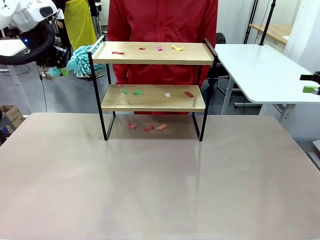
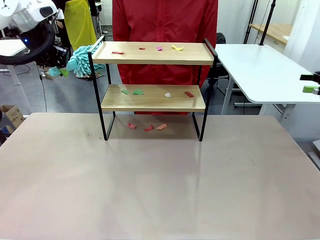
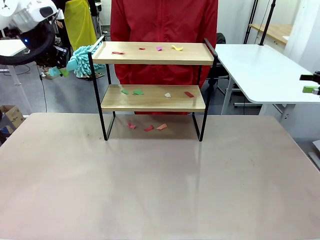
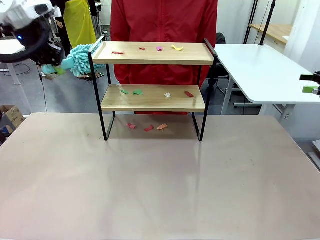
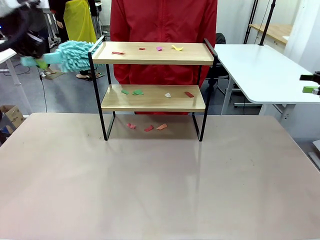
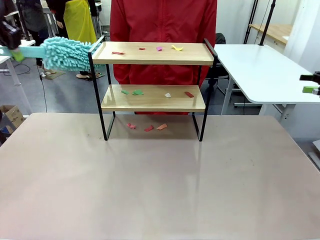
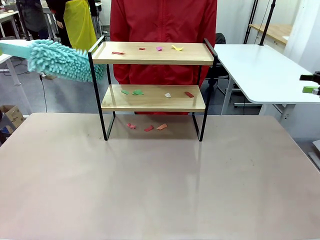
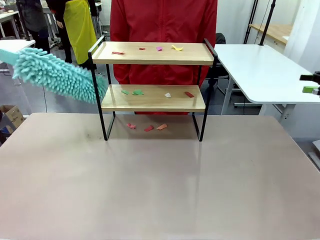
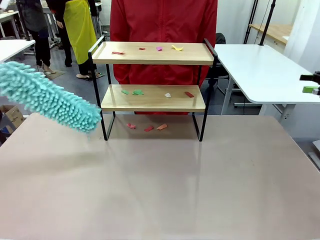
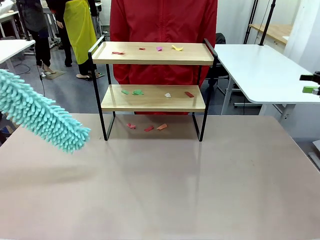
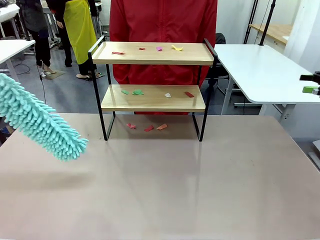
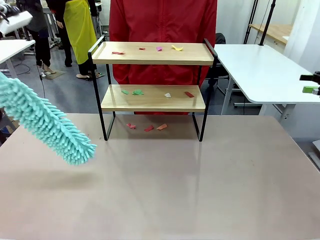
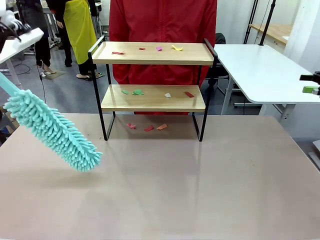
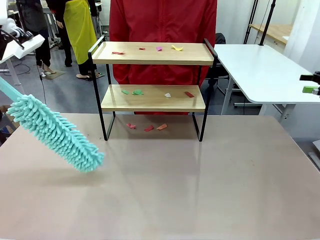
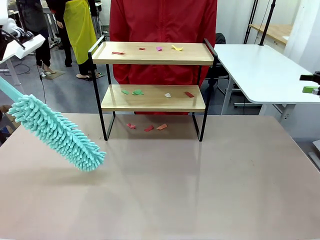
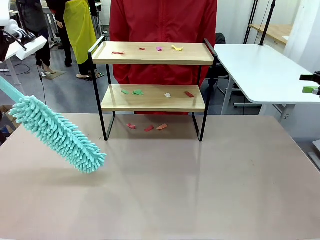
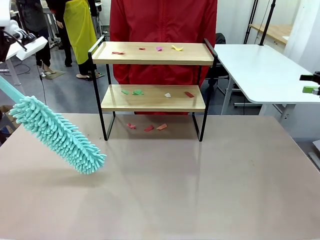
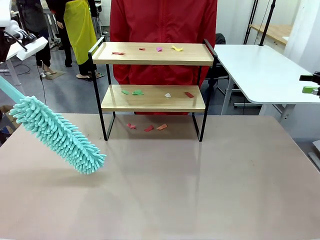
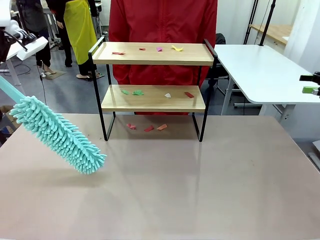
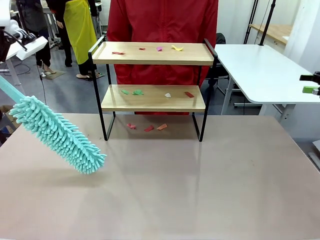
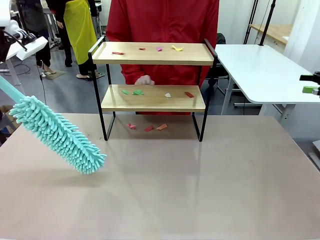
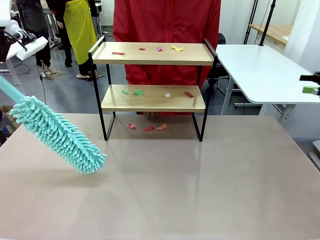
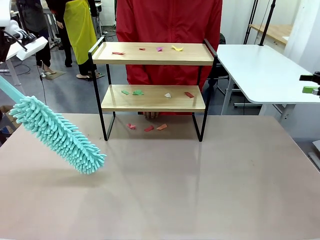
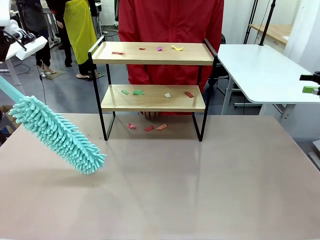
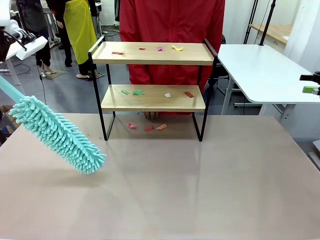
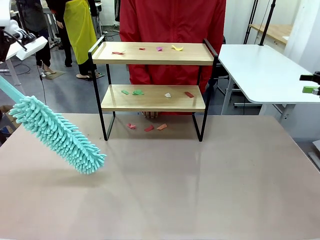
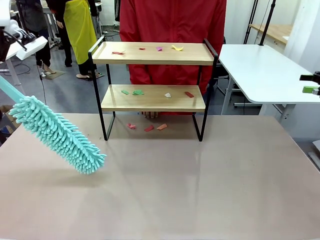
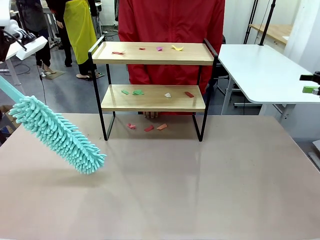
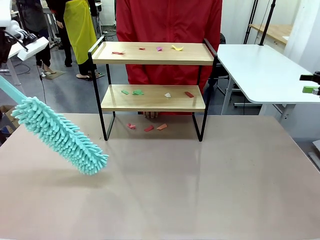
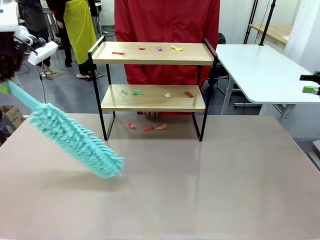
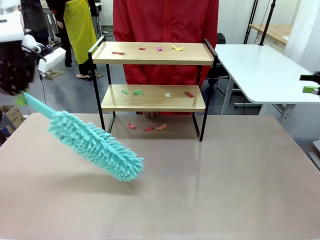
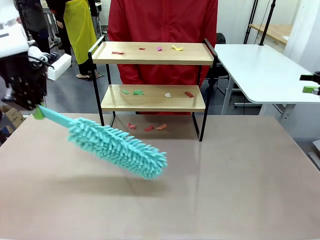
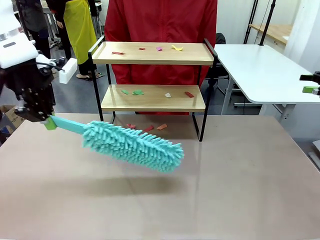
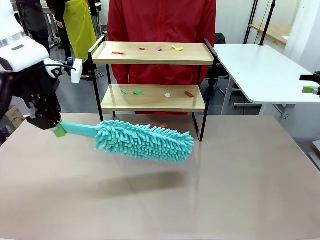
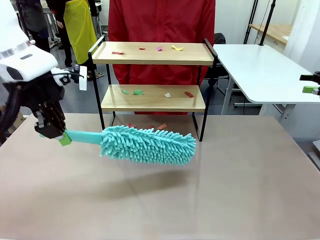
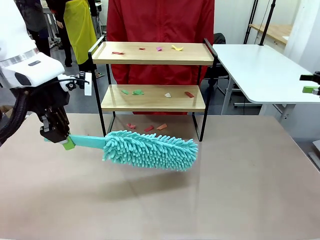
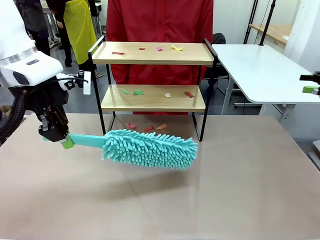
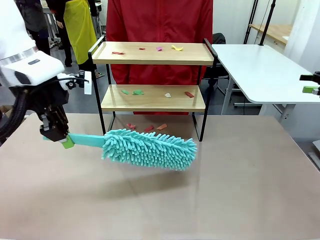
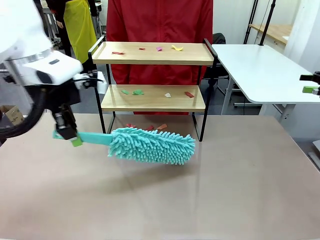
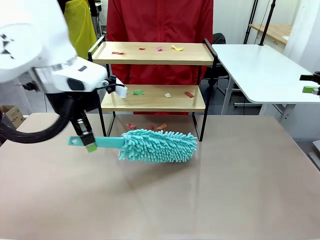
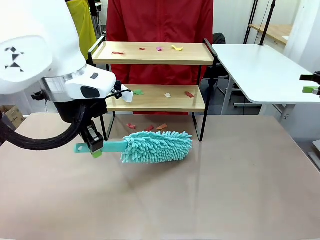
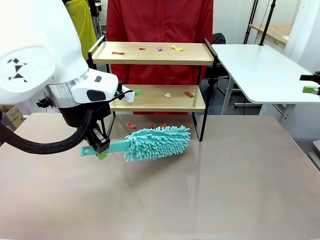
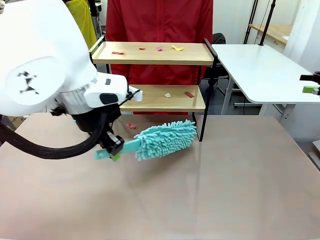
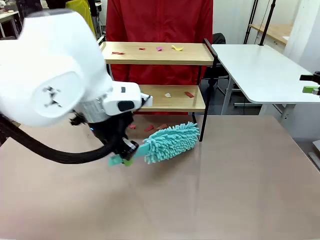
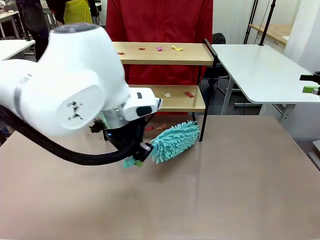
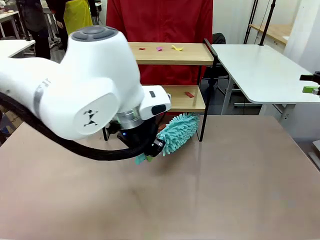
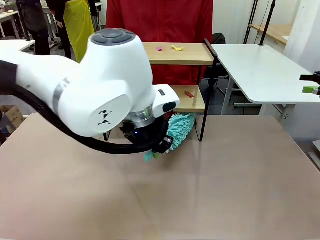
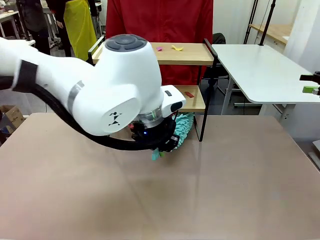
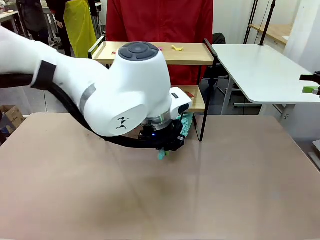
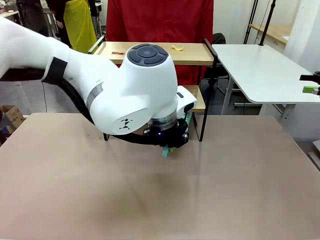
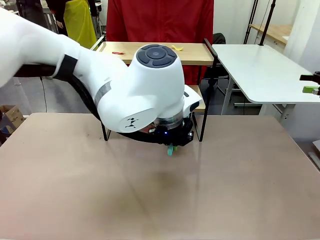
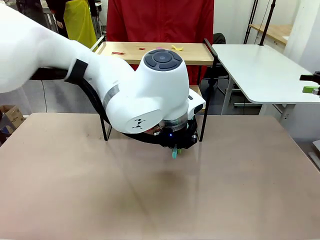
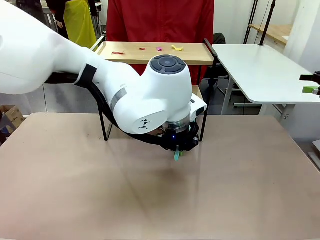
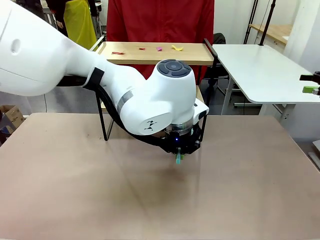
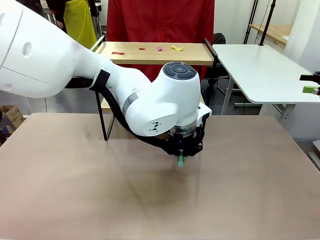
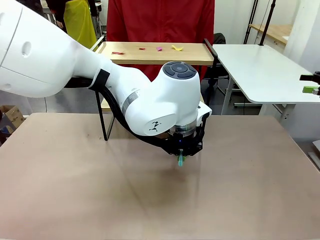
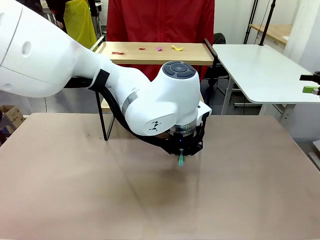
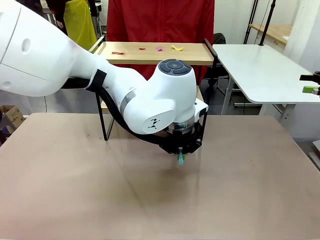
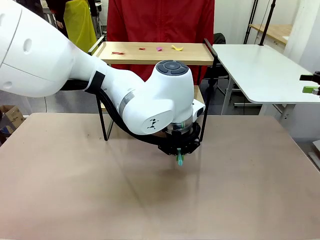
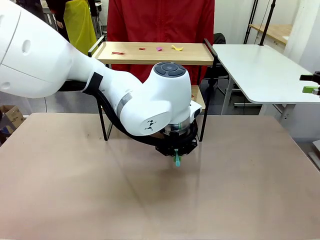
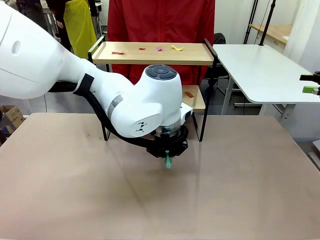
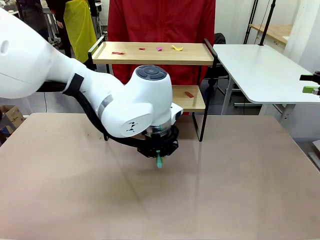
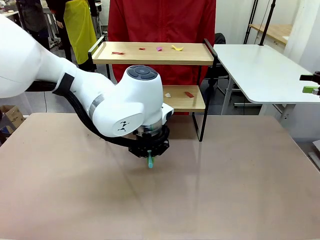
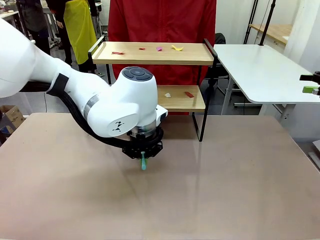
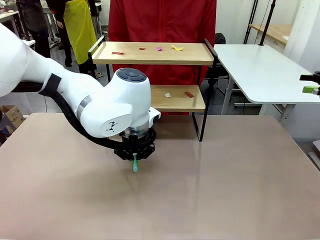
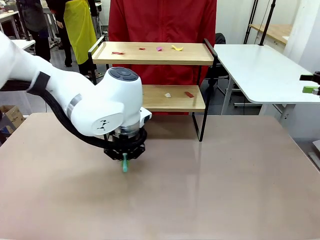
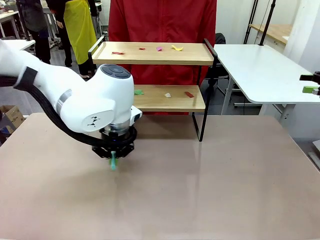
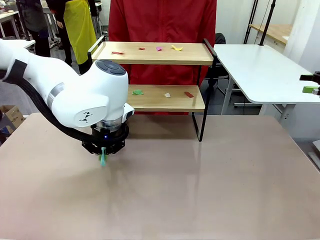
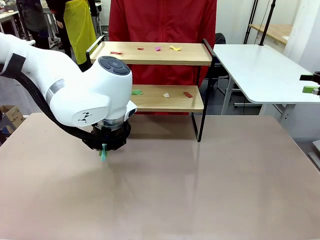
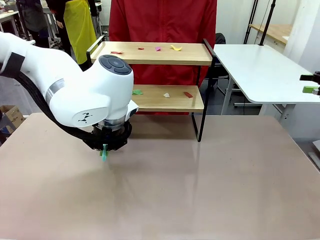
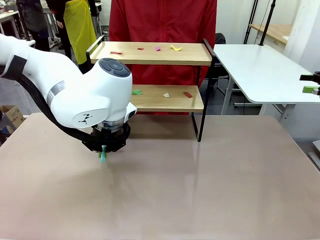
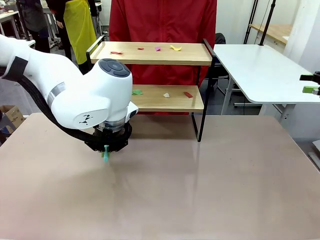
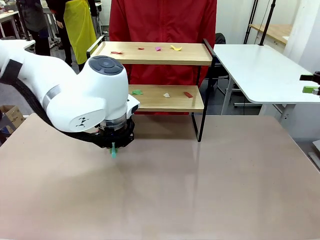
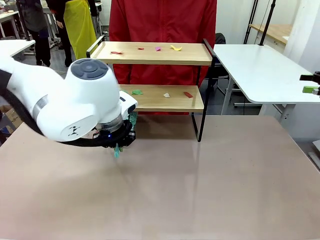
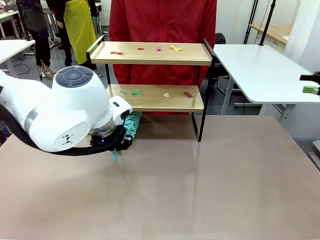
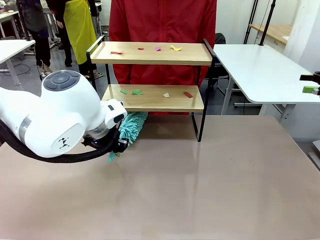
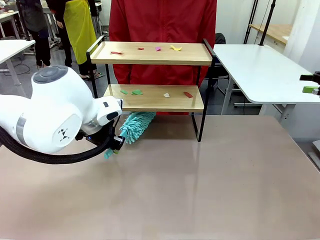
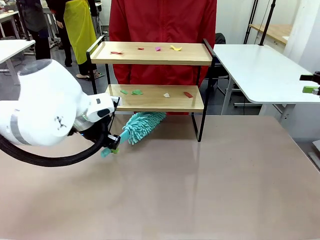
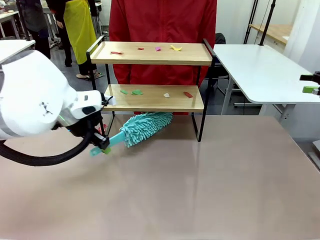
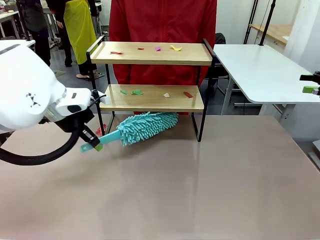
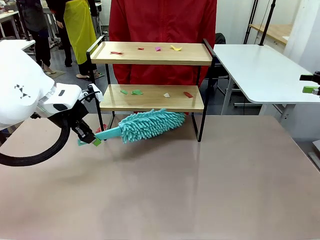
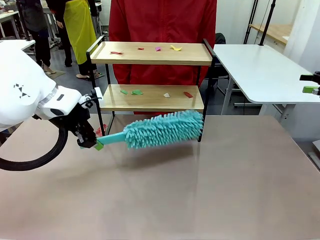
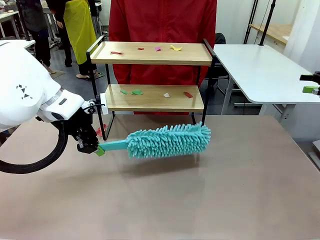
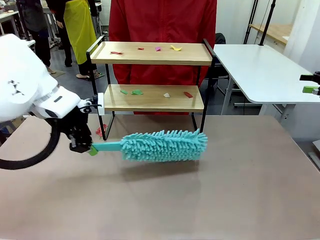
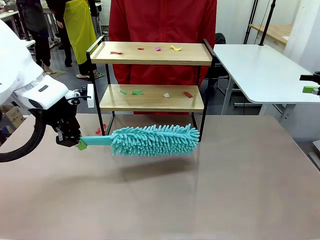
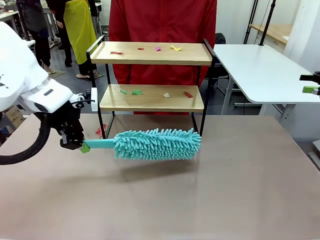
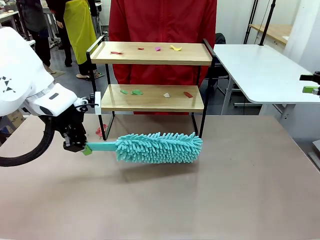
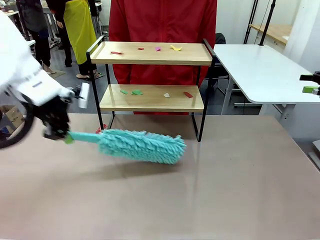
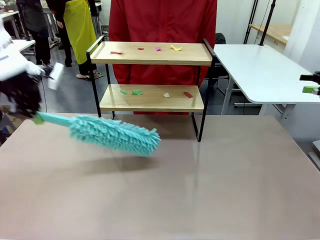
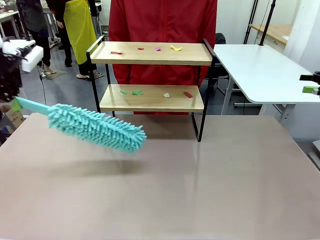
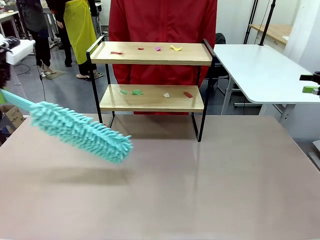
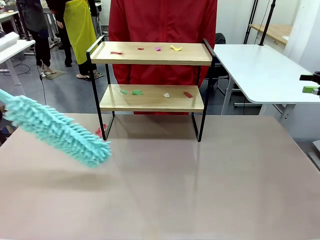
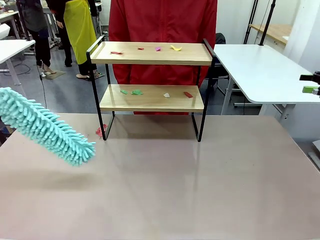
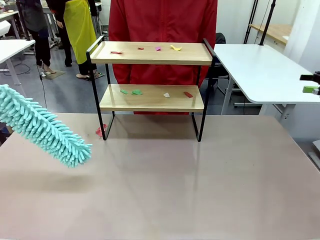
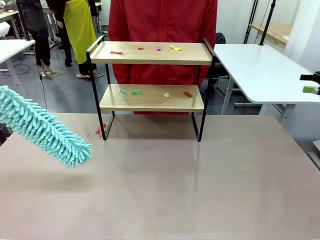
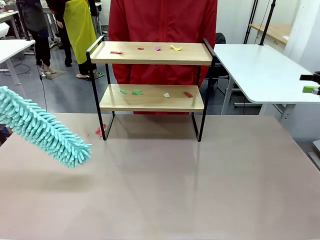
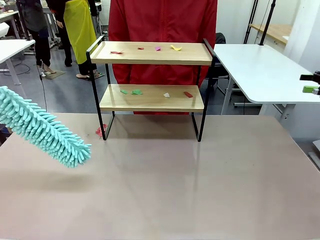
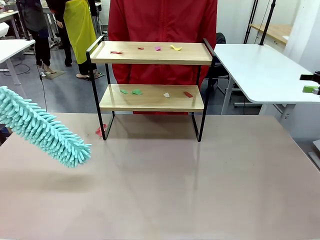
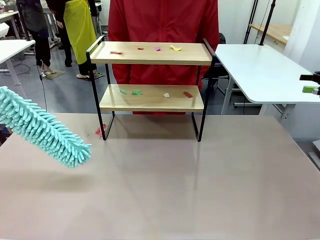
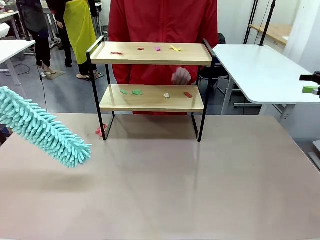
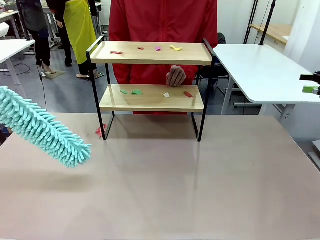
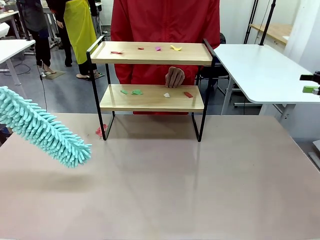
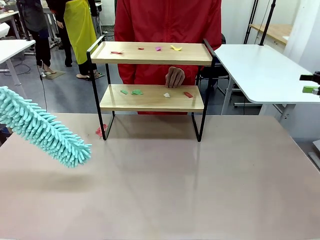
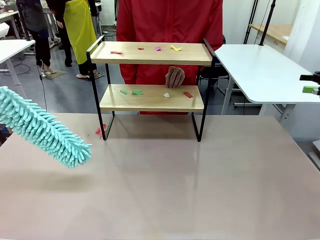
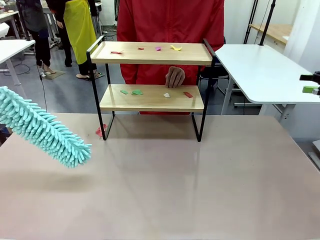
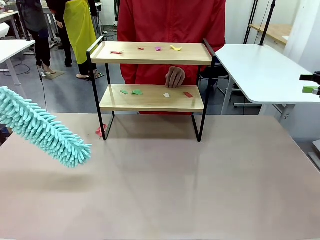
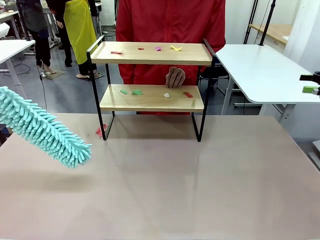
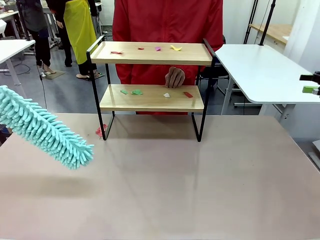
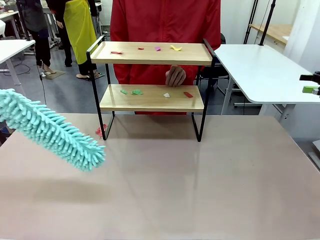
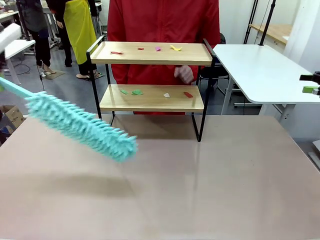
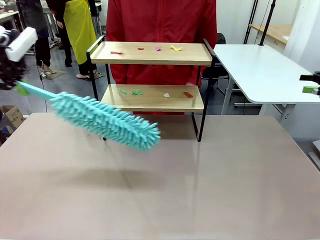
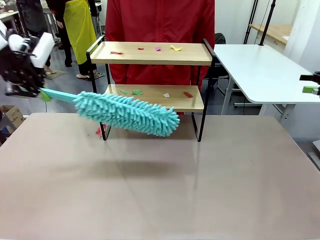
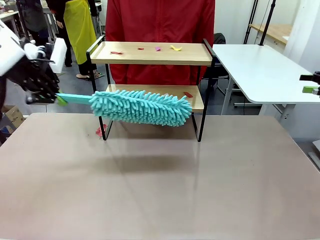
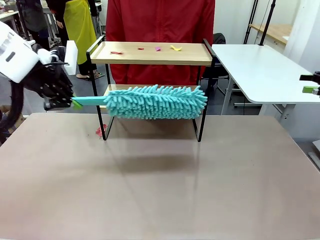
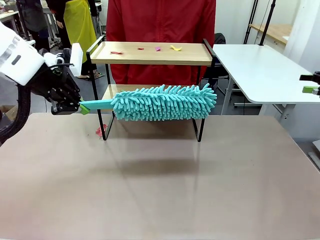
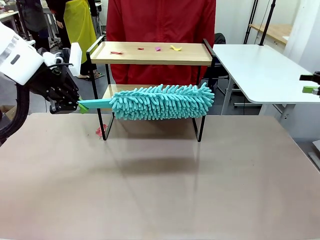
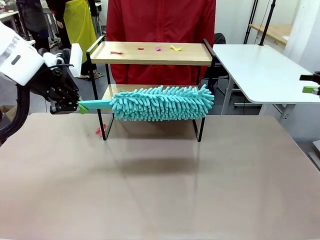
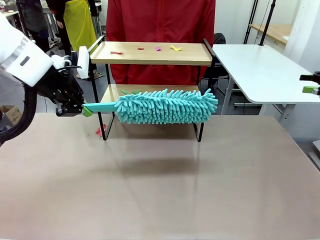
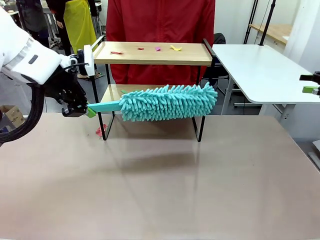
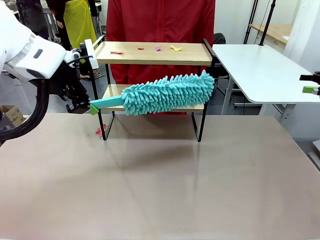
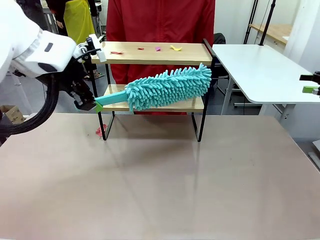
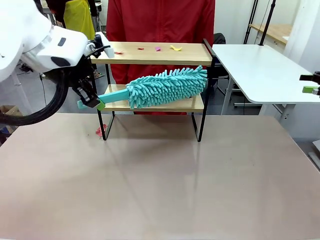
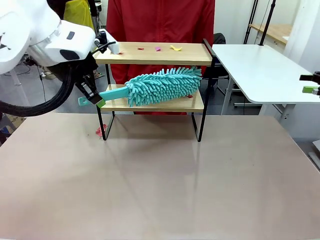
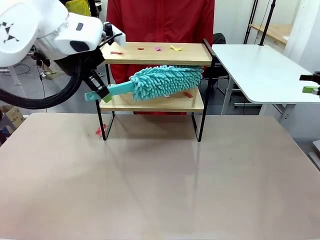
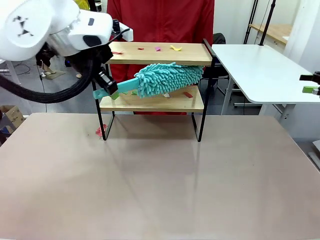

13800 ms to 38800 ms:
Task: Clean the shelf.
Robot: Clean the specific section of the Shelf indicated by the human with the Duster.
Person: Point a random section of the Shelf.
